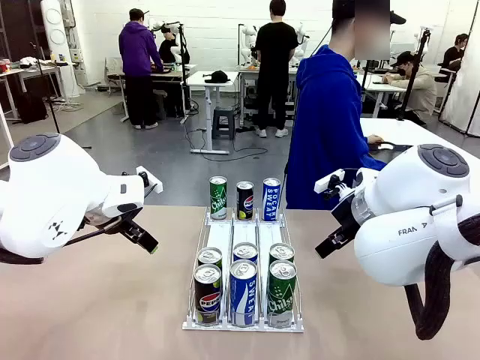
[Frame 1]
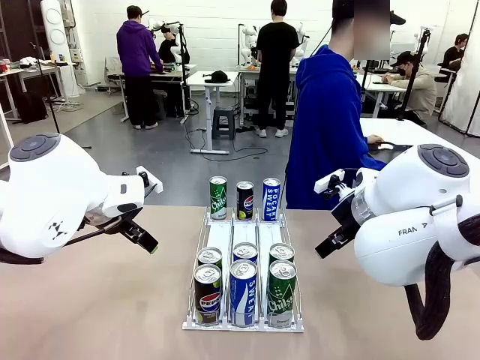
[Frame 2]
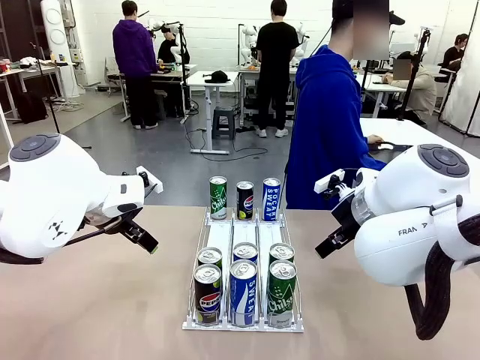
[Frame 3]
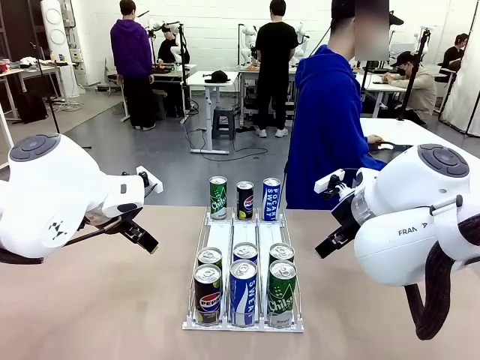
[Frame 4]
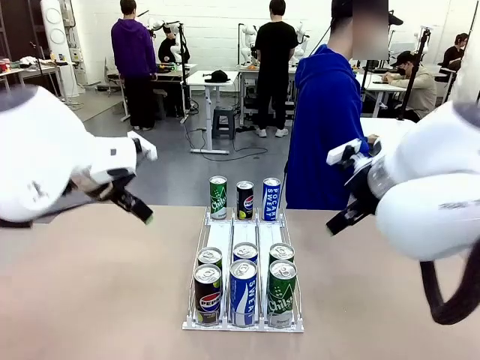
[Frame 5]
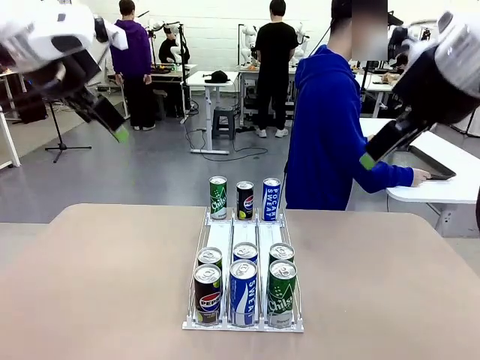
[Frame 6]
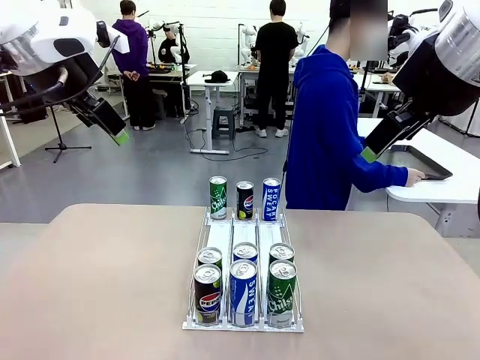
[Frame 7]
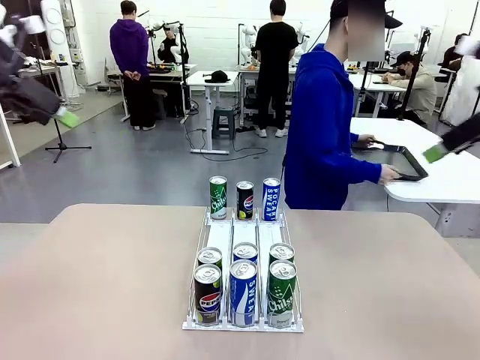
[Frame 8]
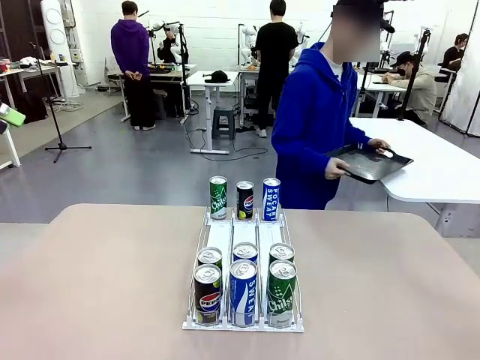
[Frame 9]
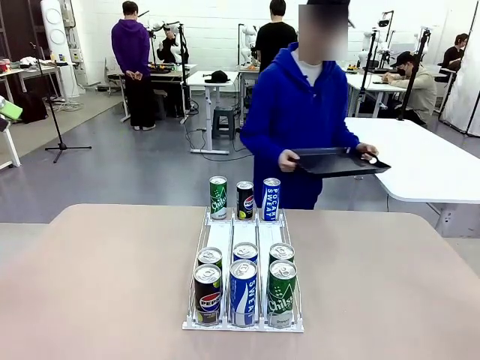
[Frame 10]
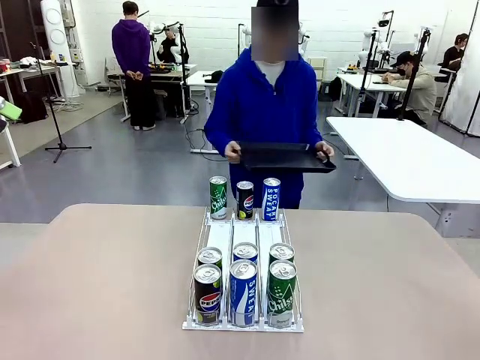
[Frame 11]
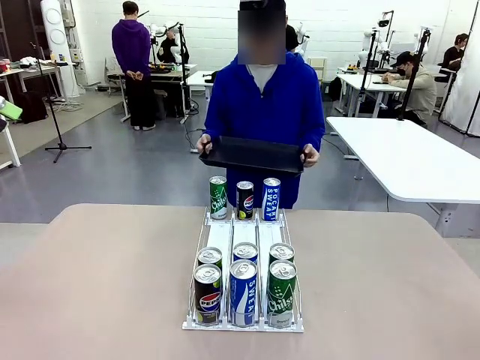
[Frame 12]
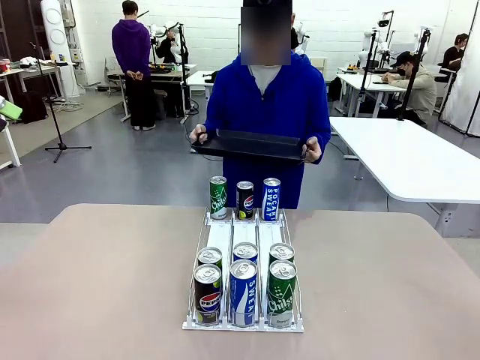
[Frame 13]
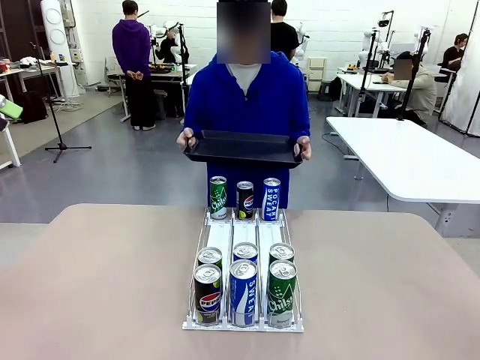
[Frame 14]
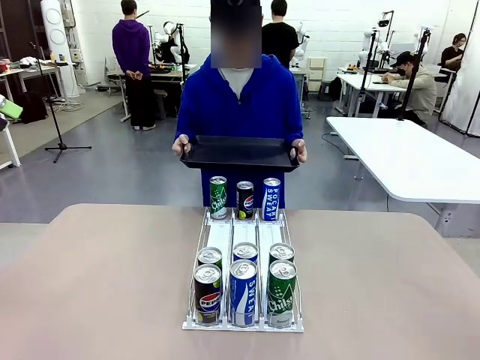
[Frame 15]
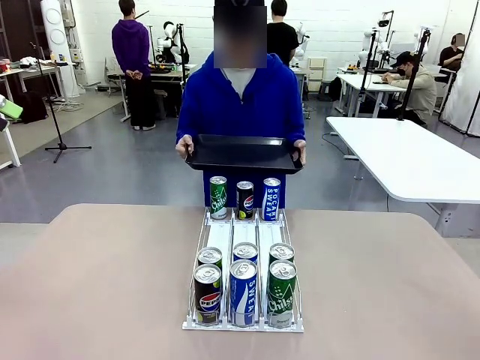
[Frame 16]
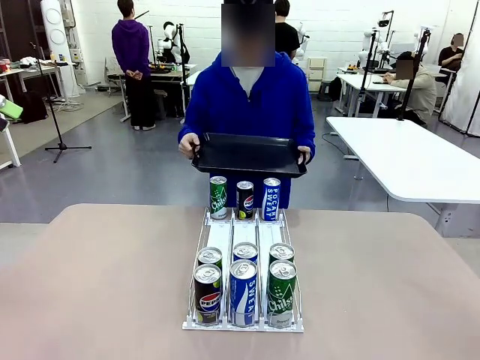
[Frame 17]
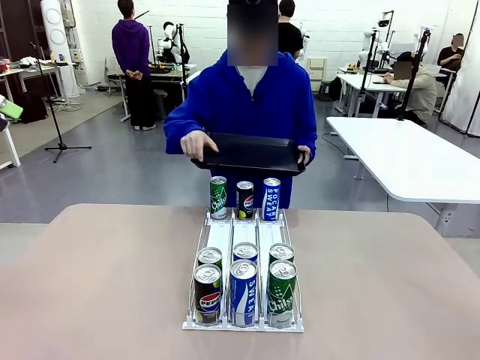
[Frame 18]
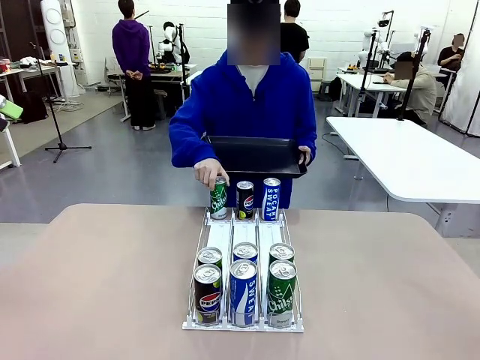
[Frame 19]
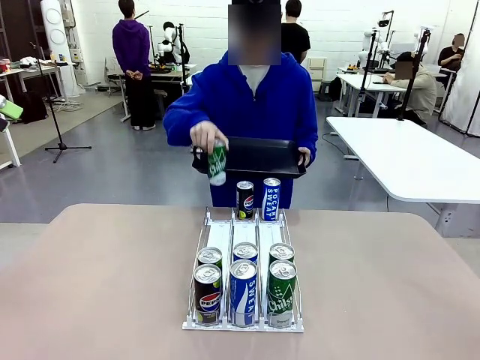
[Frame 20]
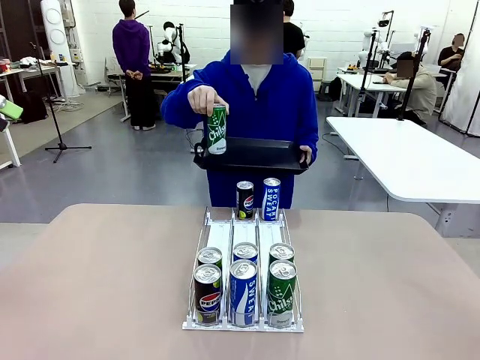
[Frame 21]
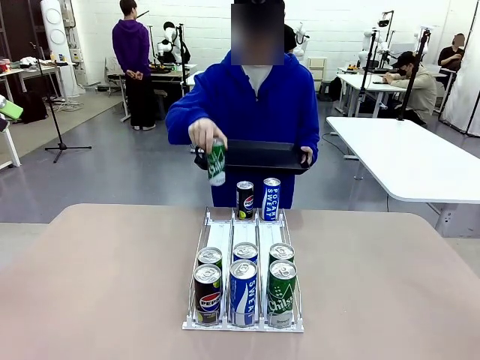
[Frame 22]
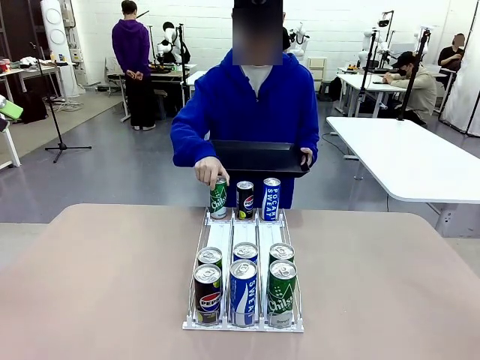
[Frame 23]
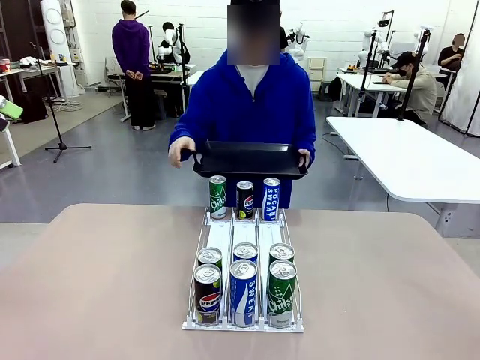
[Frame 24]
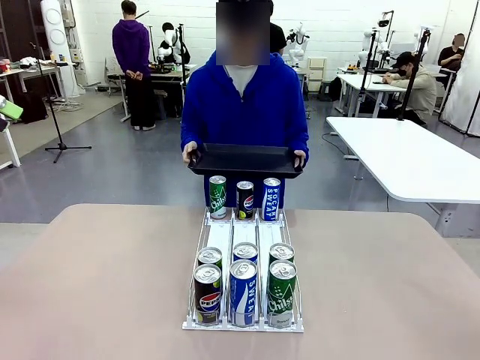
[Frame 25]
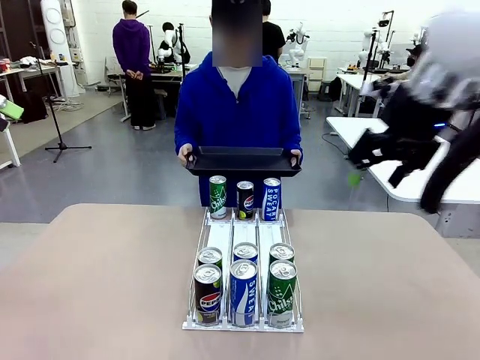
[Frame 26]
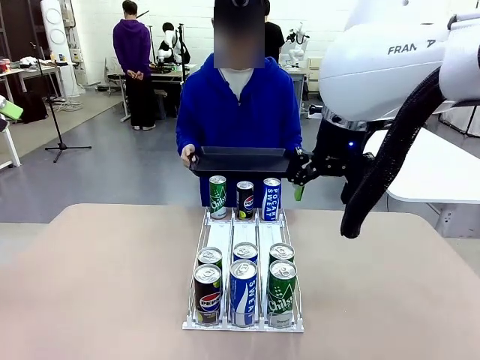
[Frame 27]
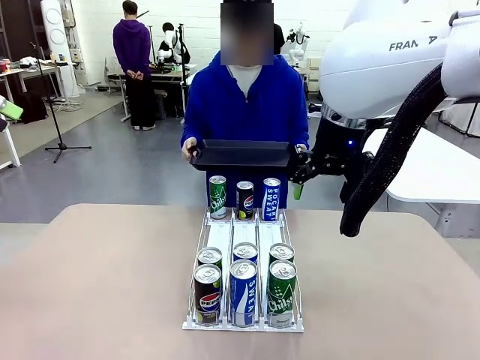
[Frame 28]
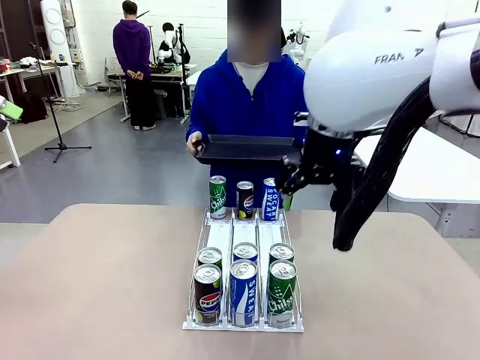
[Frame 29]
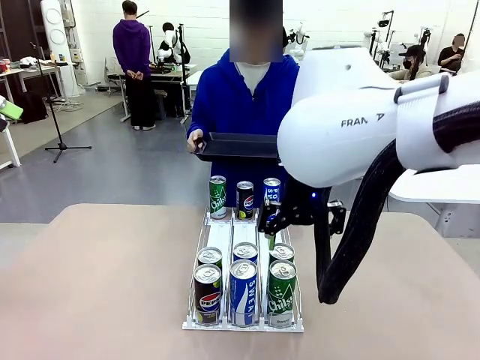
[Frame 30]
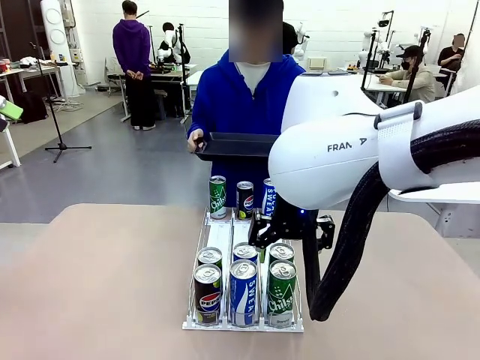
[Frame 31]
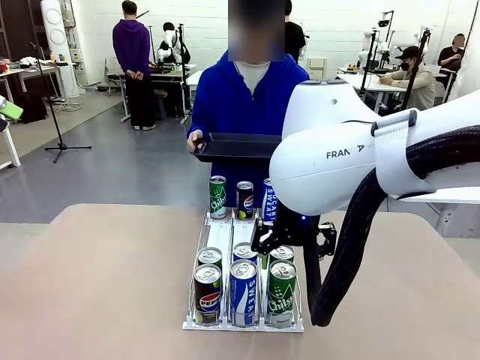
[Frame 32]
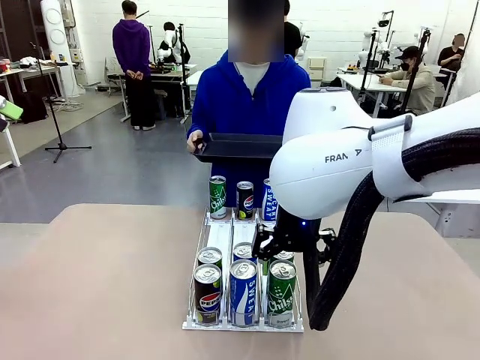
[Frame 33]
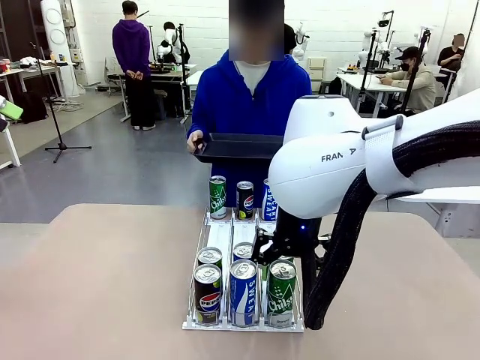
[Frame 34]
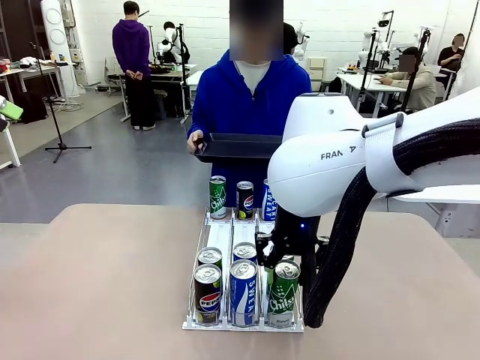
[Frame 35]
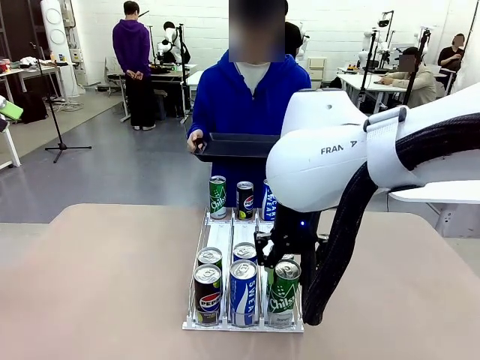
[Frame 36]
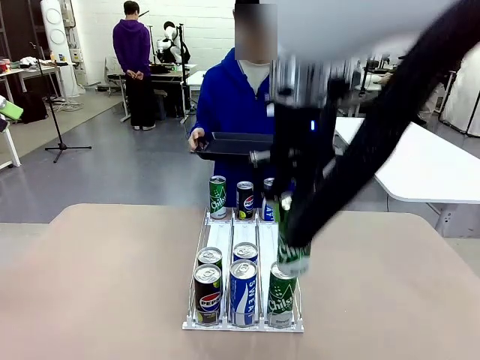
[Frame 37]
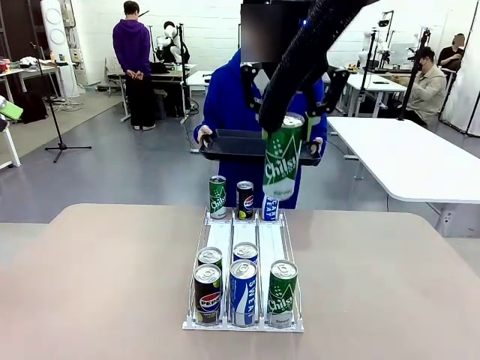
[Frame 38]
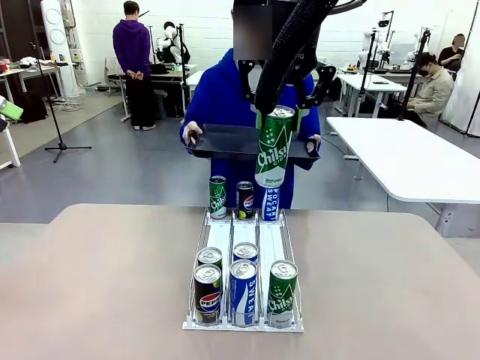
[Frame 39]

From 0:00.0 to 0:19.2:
Task: Retrieve and hand over the desired beverage to the person.
Robot: Pick up a can of the same type that the person held from the Automatic Can Dispenser.
Person: Hold the tray and position yourself in front of the robot table. Pick up one can from the bottom area of the table and puts it back in its original place. Push the tray toward the robot.

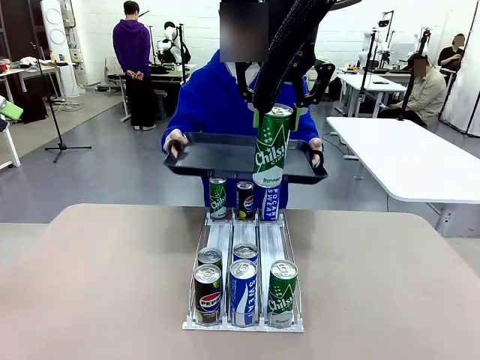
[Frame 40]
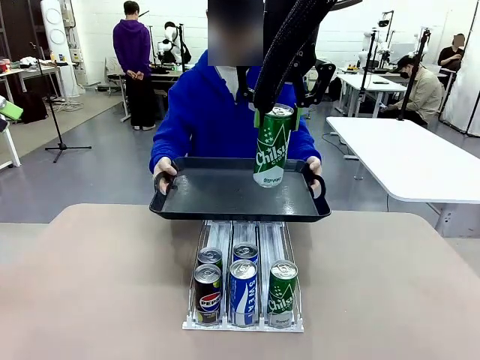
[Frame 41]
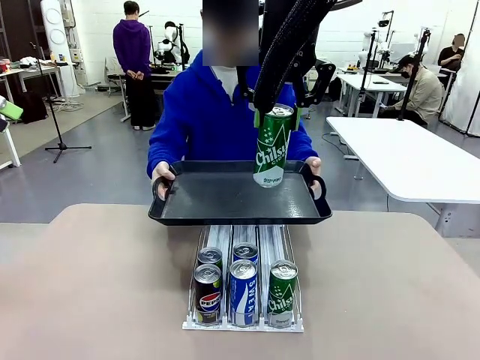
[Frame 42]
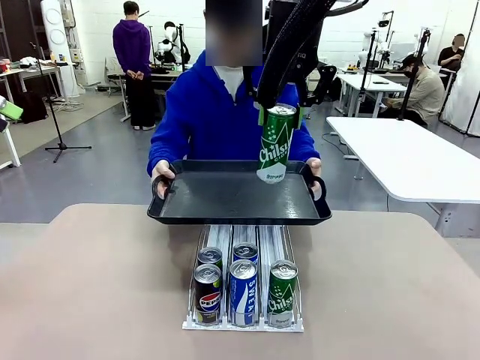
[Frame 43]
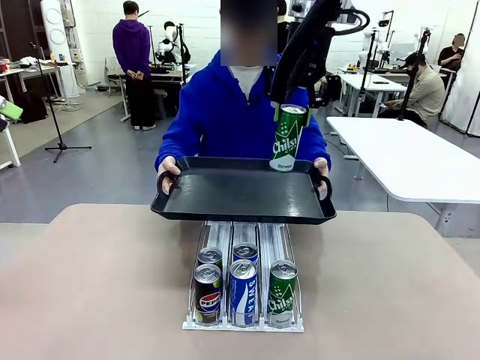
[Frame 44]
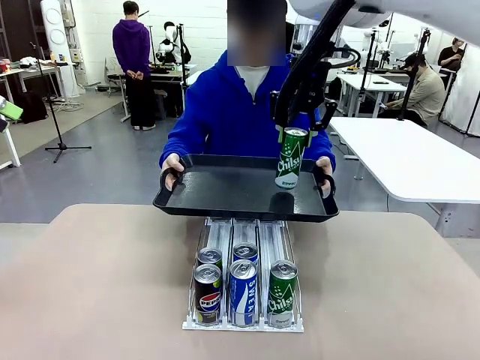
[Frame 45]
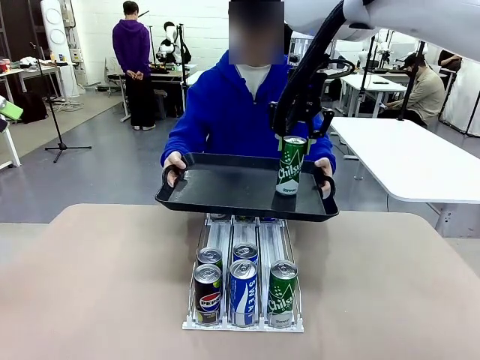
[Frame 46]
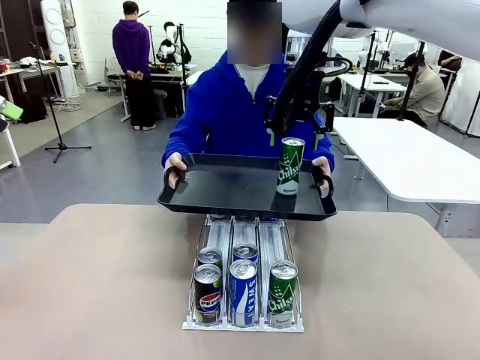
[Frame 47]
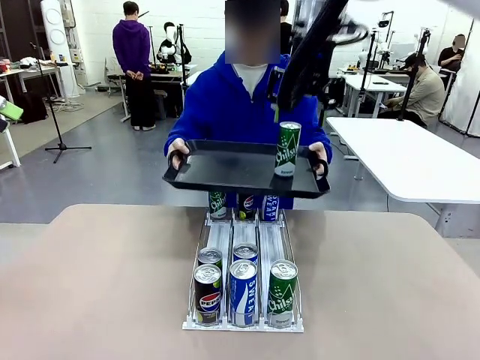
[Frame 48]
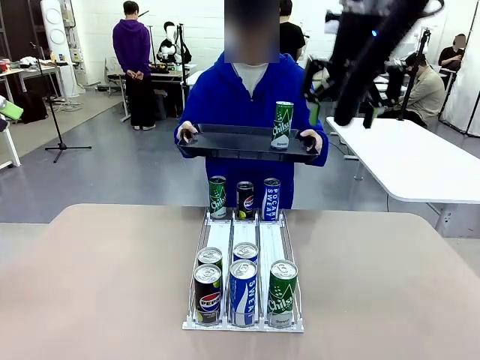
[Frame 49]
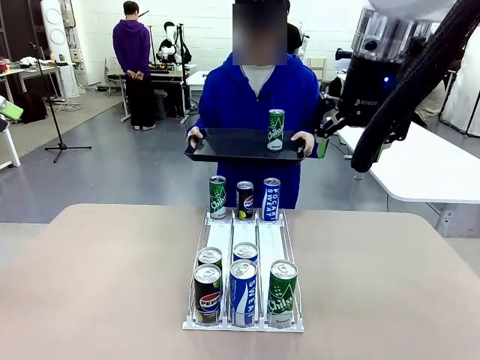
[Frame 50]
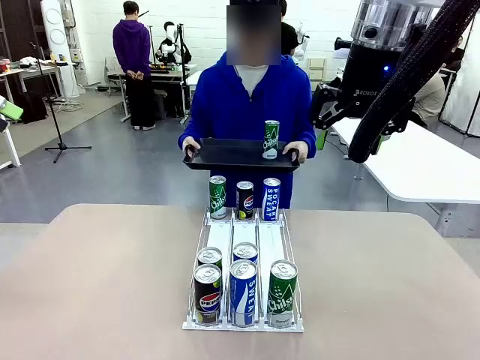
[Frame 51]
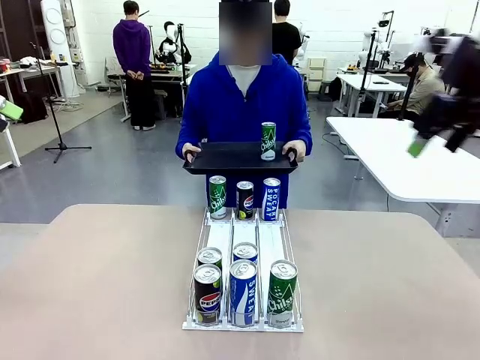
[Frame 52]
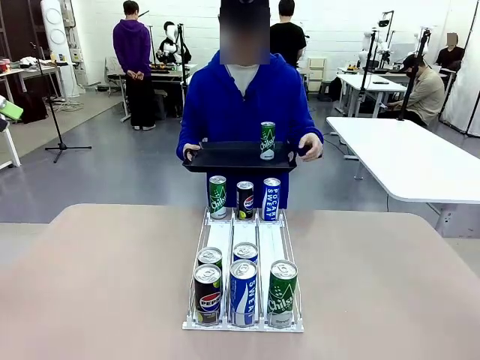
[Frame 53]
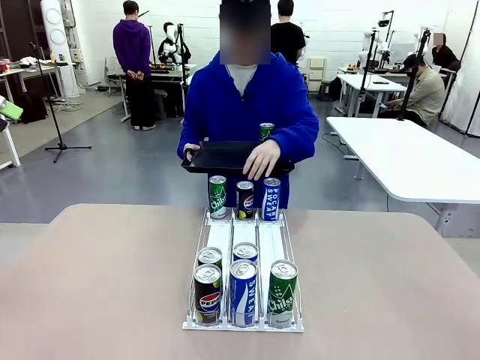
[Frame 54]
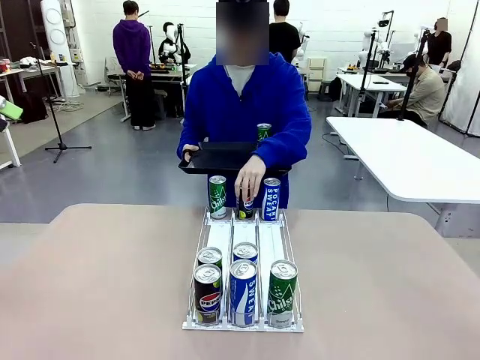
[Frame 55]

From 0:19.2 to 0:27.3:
Robot: Place the picked can on the Handle tray extended by the person.
Person: Pull the tray back, then pick up another can from the bottom area of the table and puts it back in its original place.
